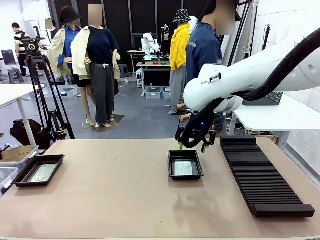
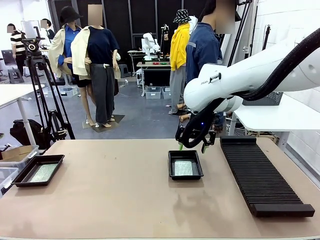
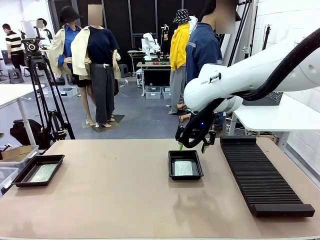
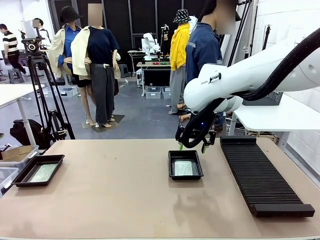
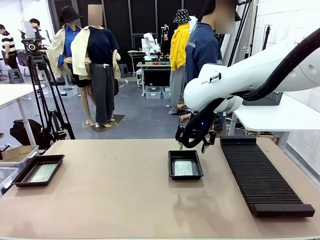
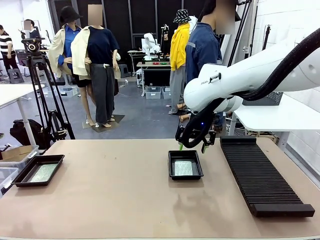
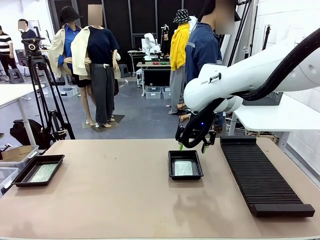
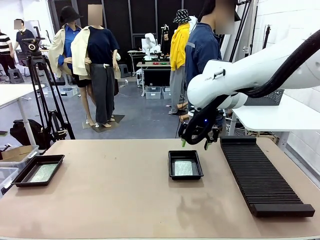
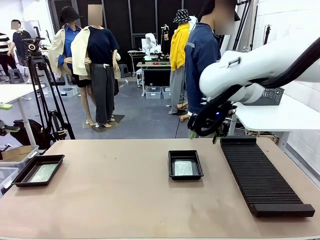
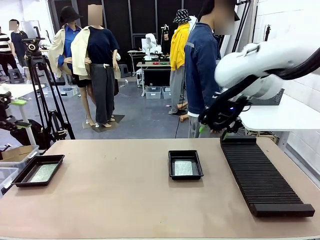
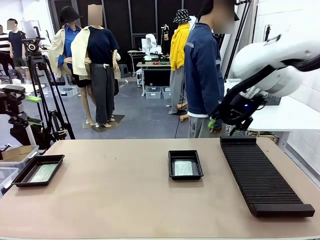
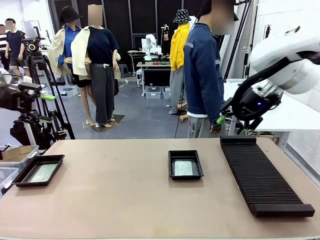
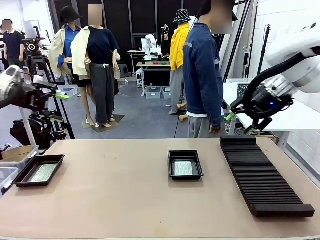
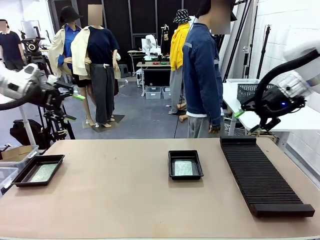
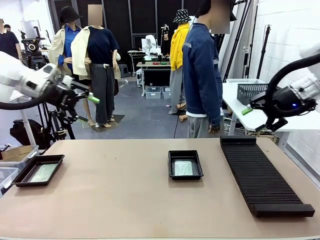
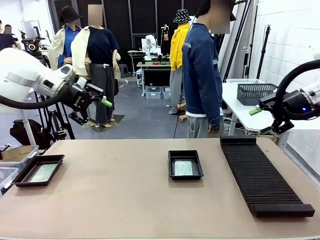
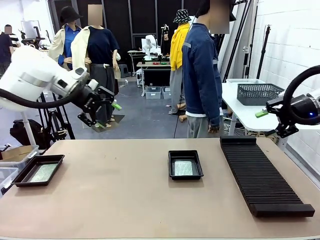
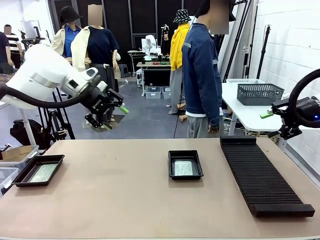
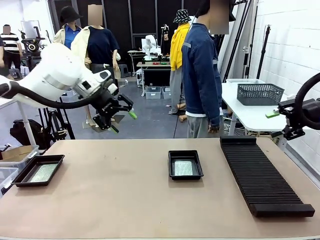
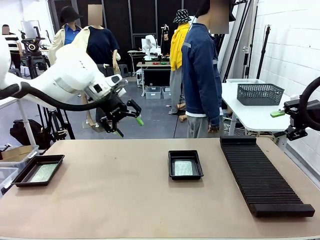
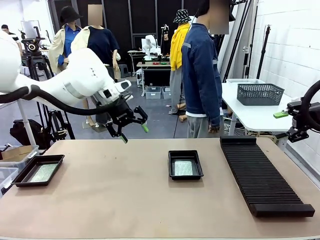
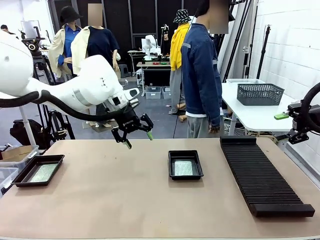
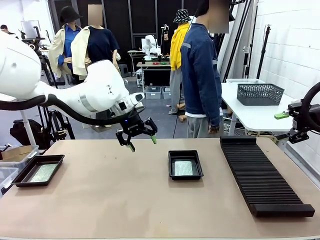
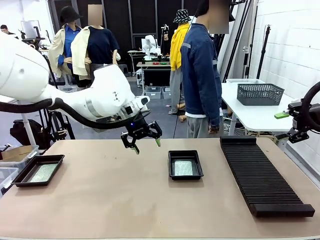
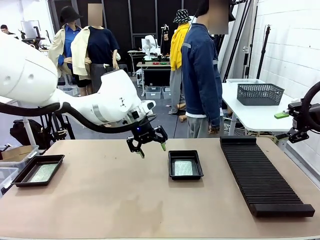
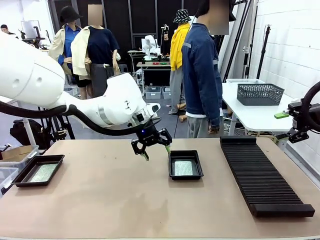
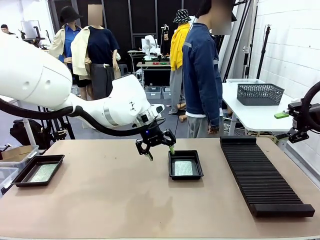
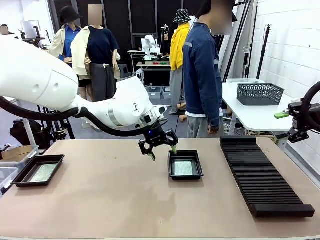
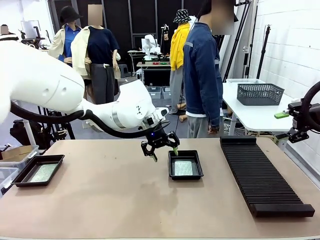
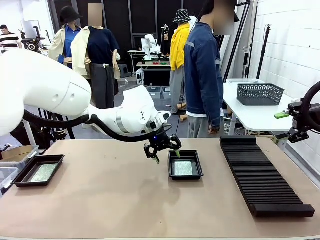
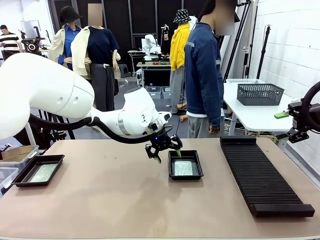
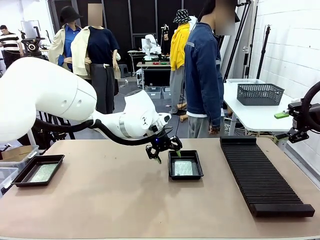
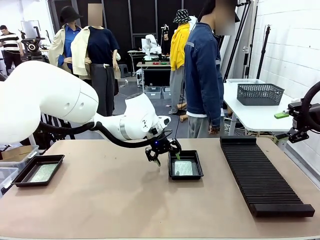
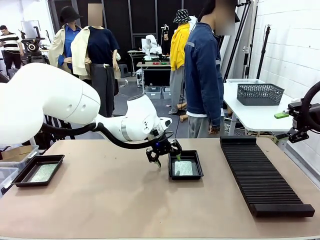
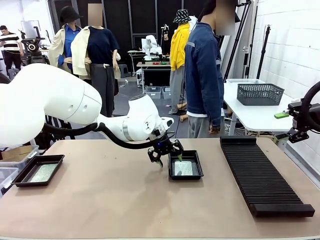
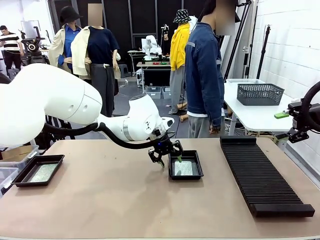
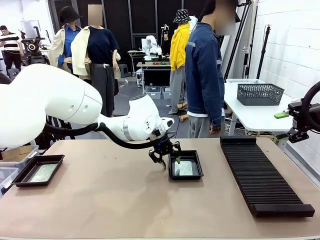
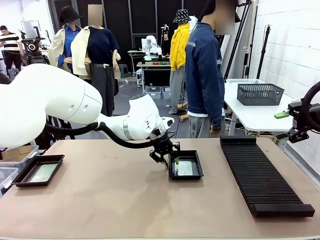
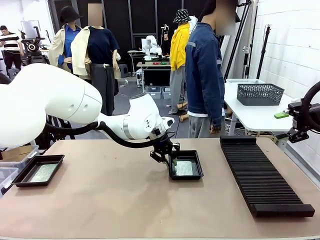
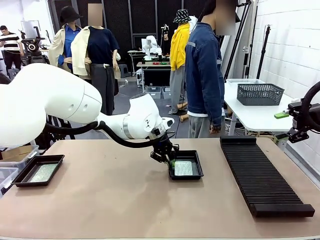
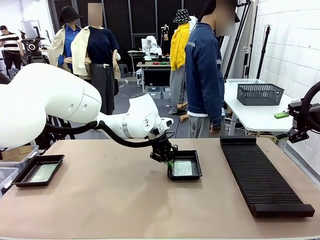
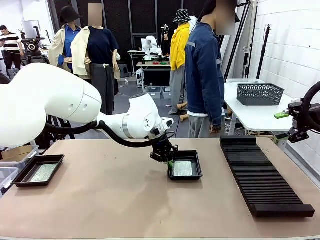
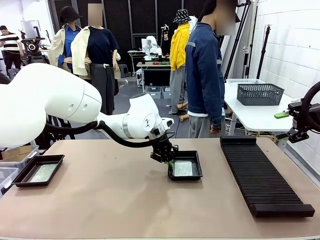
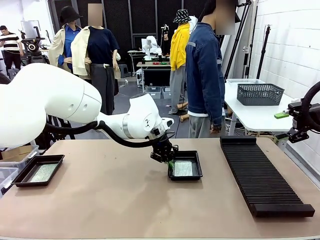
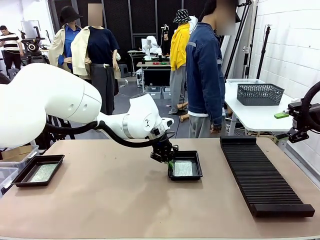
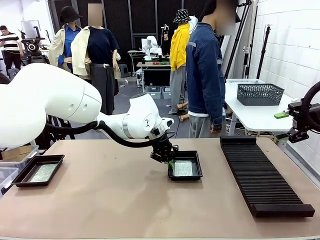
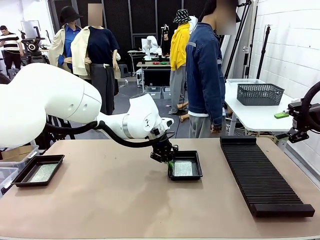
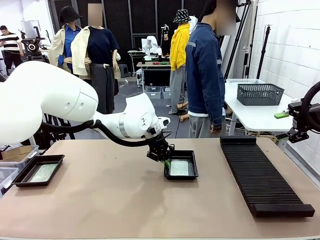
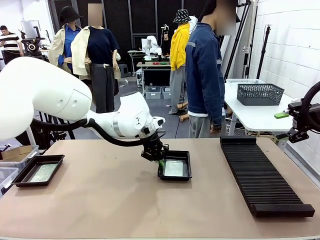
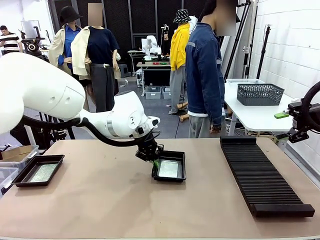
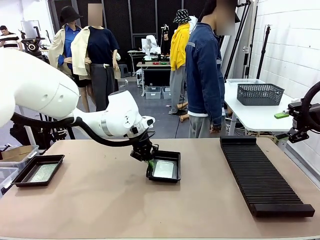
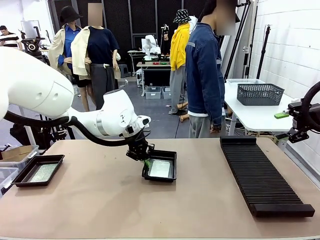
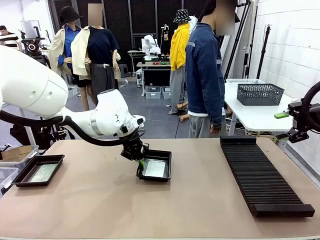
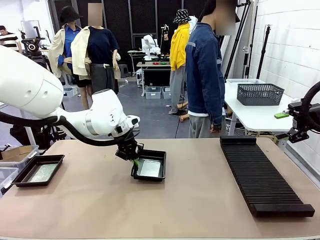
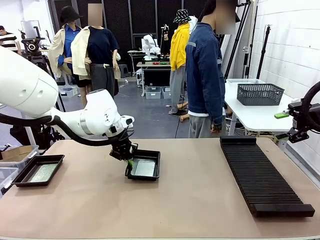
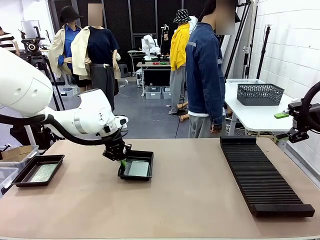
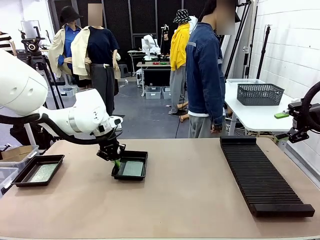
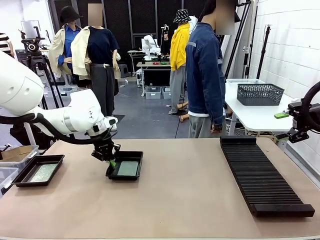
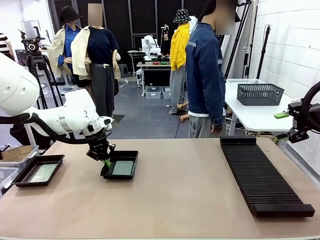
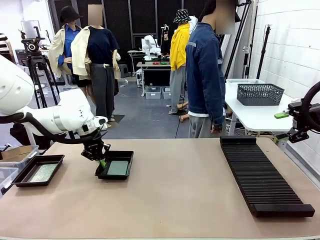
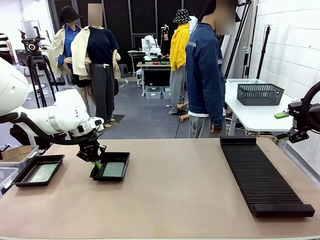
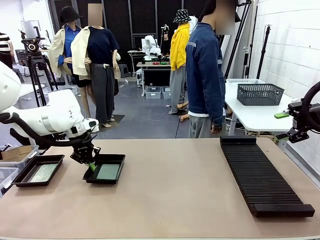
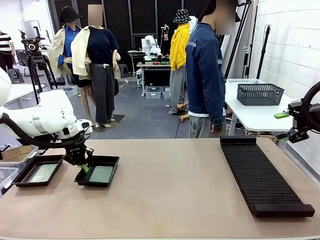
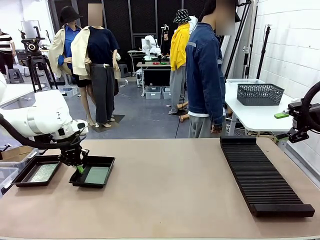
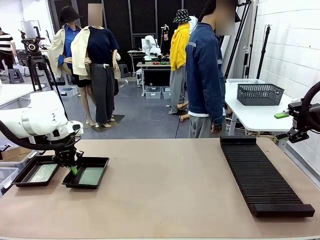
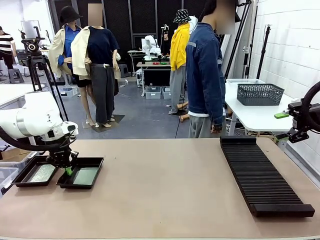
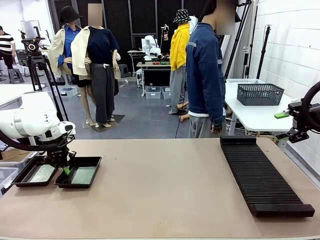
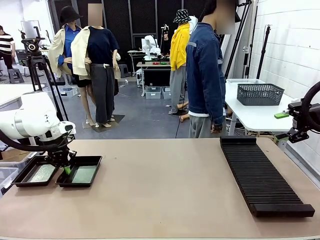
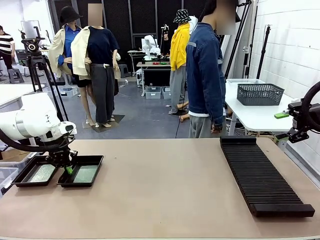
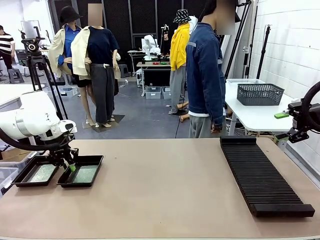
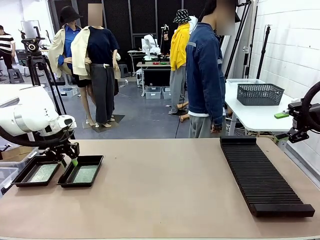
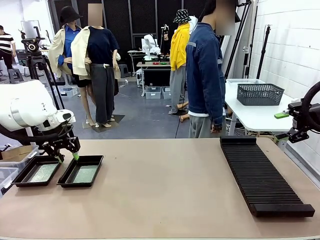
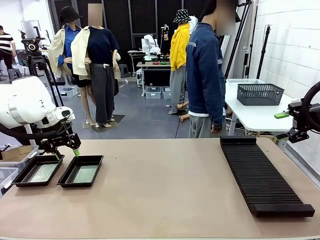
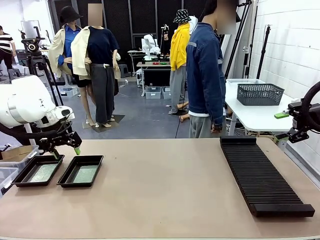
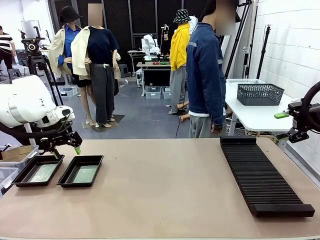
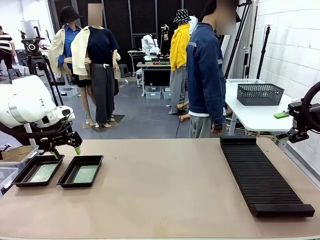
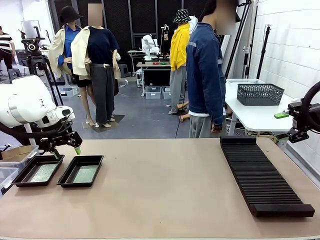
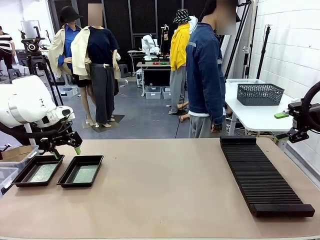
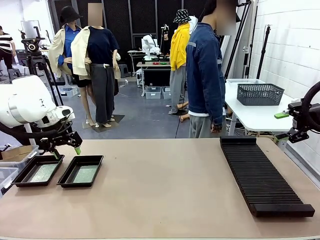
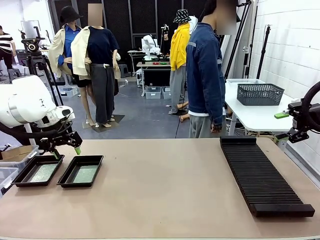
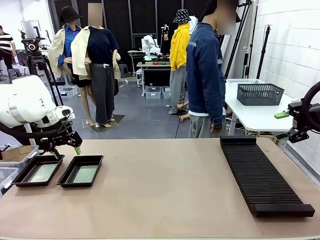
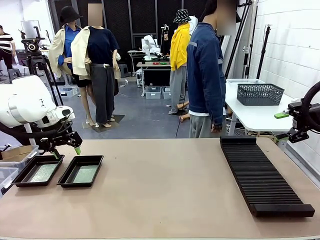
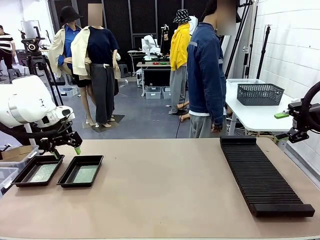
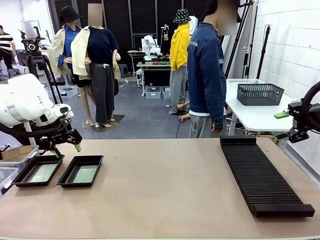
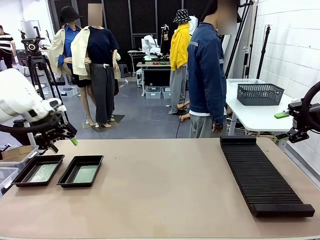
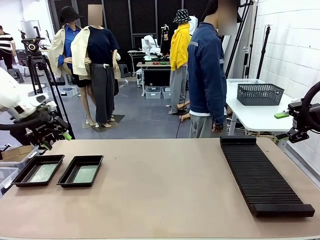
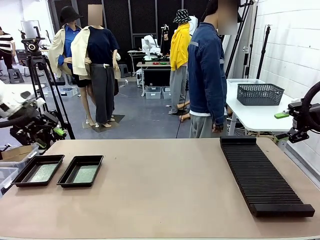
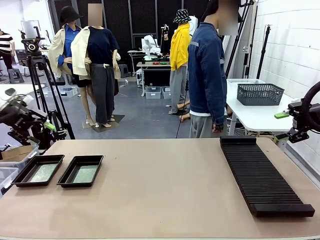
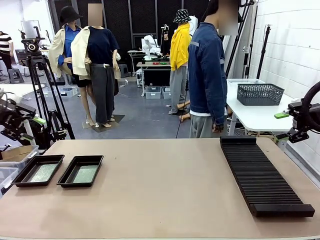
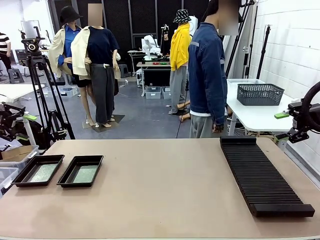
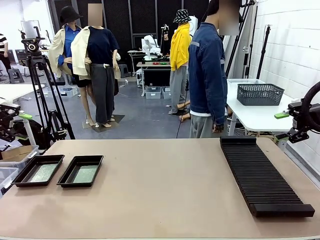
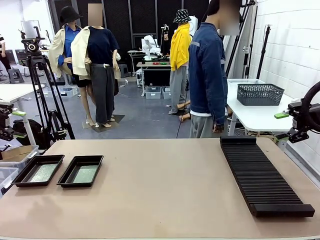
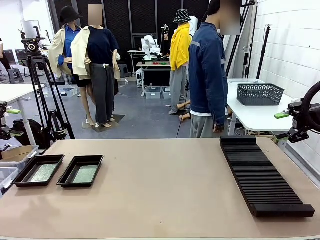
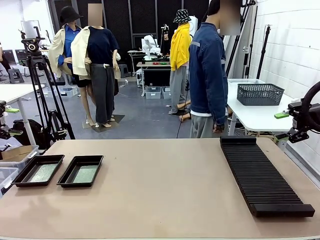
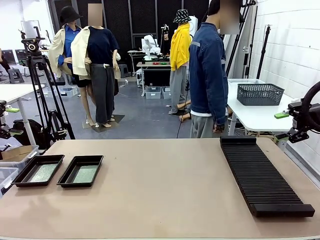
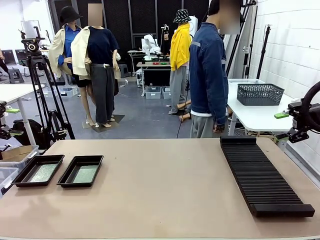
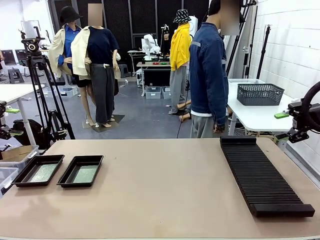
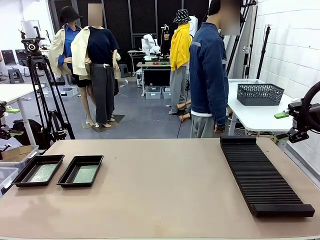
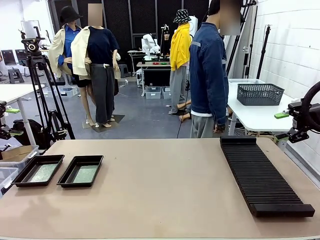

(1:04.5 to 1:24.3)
Task: Inspect and transfer BCBs to ESD trays.
Robot: Pick up the ESD tray and place it on the left side of the table.
